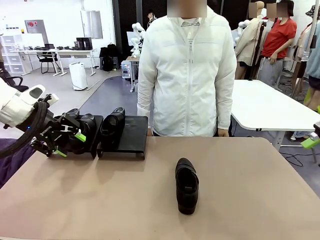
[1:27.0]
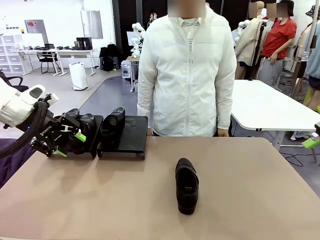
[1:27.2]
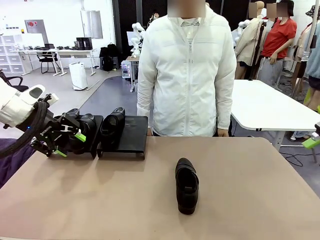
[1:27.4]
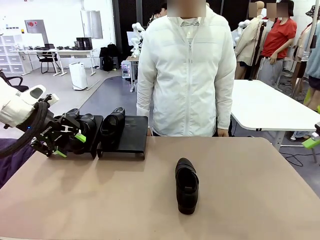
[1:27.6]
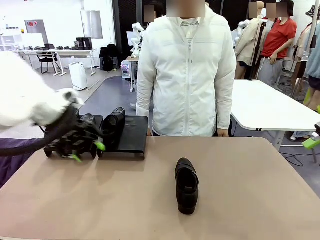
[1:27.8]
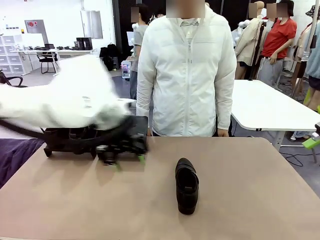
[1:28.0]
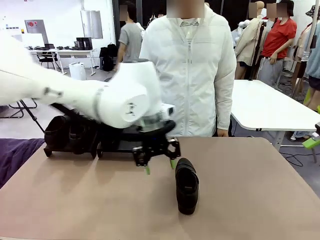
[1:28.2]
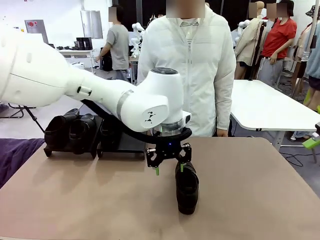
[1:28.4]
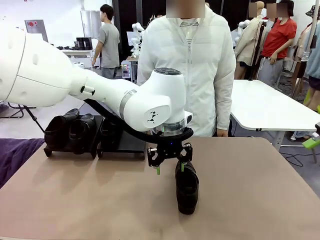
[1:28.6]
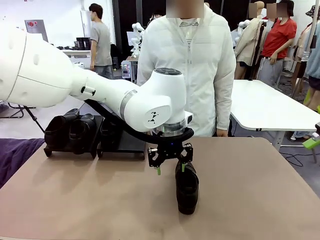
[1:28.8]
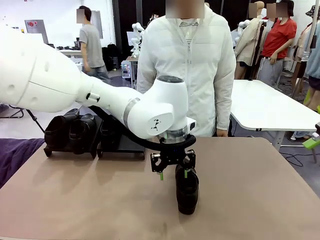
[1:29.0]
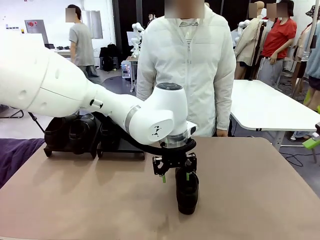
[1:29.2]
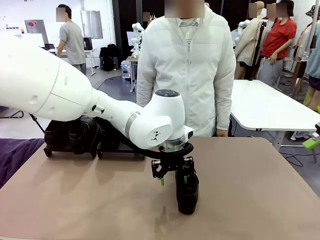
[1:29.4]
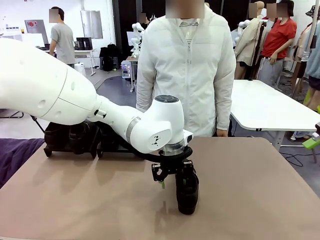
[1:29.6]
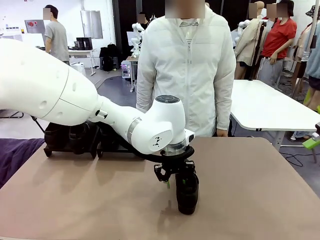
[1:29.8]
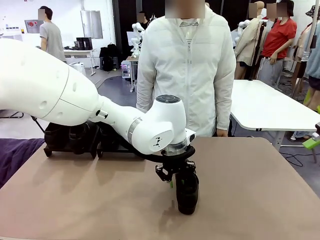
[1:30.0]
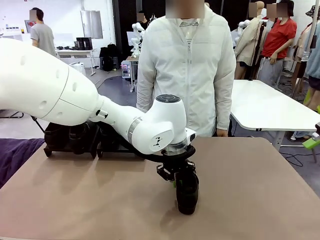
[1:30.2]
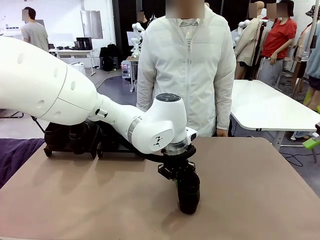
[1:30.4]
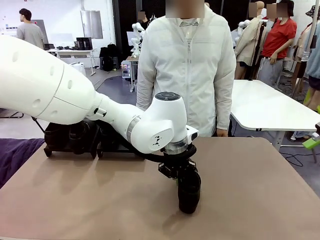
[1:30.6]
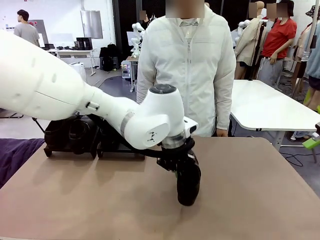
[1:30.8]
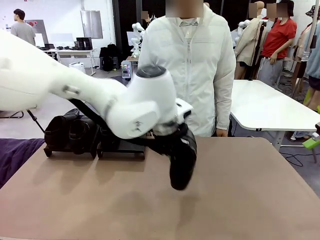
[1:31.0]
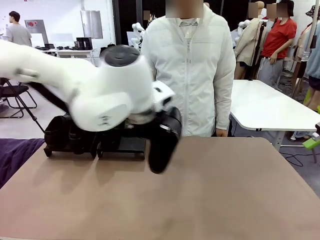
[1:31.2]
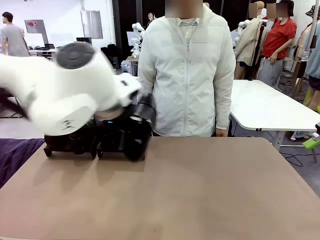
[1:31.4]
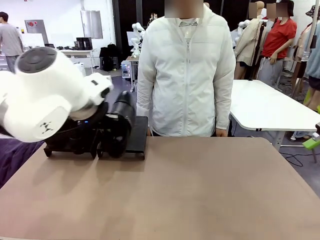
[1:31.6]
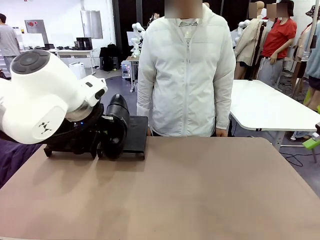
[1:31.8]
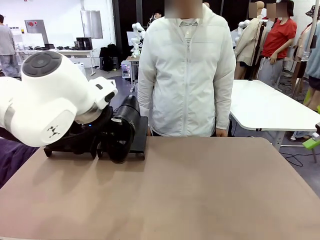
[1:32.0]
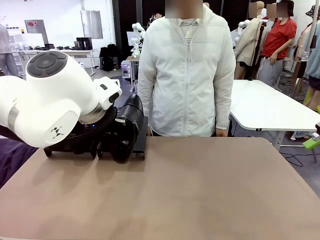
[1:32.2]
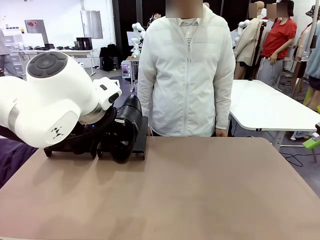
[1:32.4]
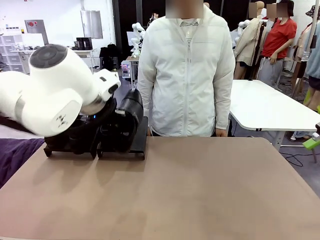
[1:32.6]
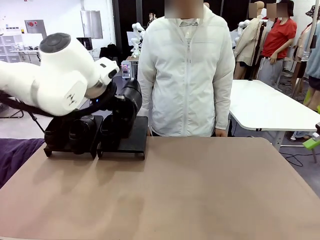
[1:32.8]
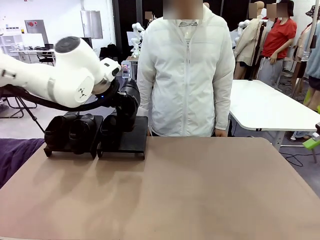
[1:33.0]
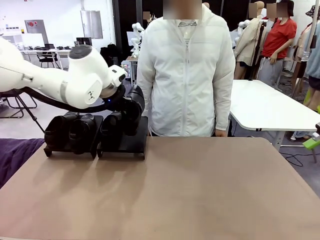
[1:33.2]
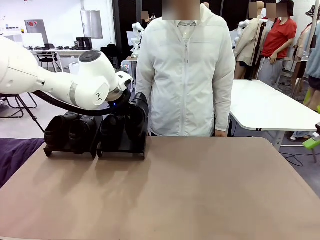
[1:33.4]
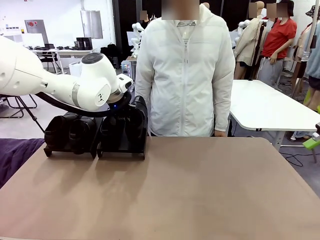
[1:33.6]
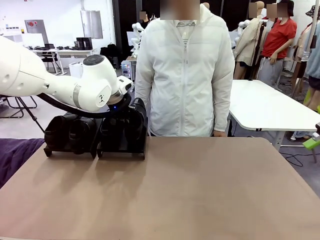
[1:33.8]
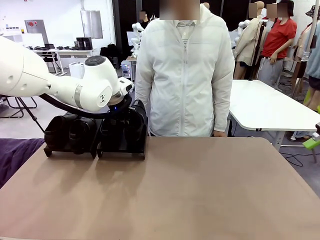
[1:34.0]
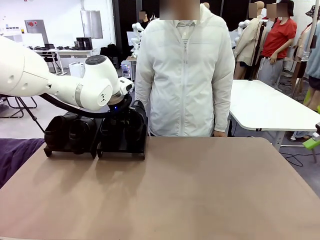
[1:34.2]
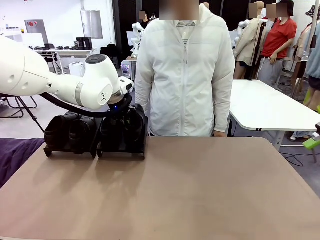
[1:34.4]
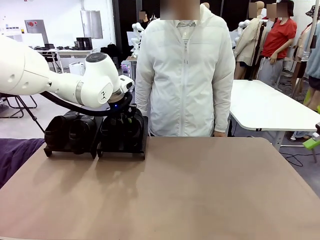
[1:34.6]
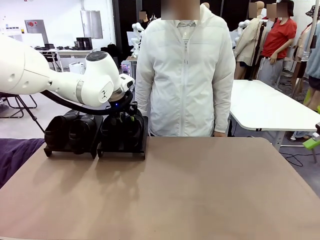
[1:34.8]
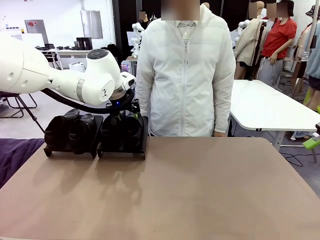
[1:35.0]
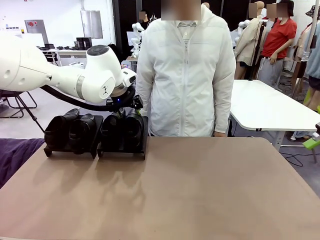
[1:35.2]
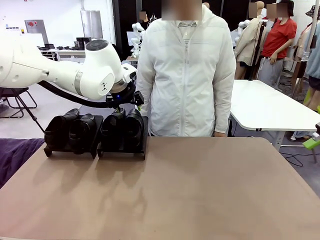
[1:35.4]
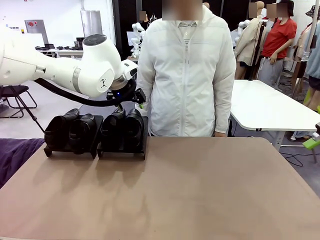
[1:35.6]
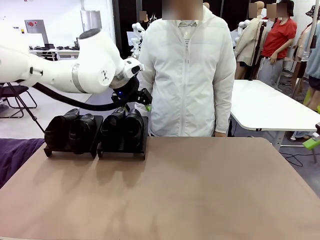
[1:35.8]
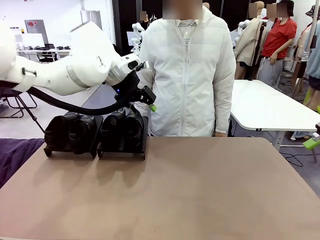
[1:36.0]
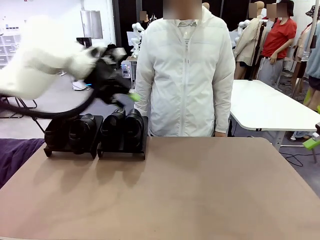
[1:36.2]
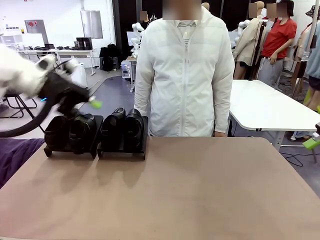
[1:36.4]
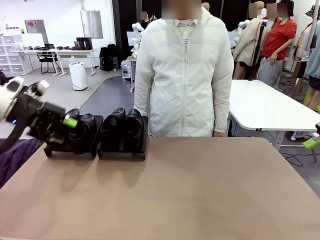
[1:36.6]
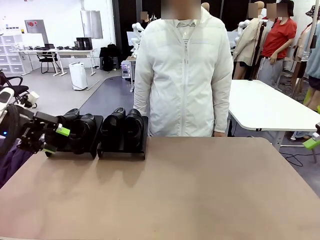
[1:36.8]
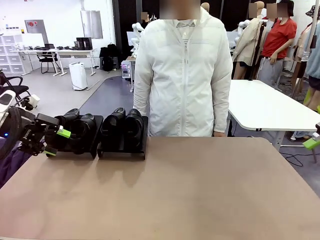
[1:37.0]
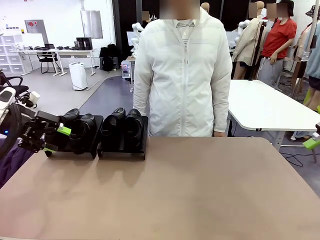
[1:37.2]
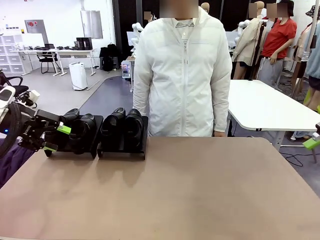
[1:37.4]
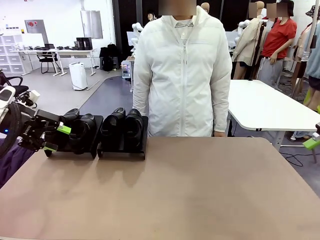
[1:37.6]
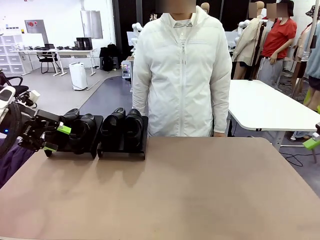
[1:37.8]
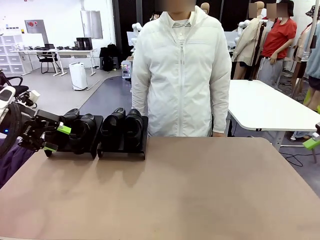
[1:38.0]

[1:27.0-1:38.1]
Task: Organize the shoes by placing them on the stand.
Robot: Place the Shoe from the middle of the table onto the Shoes Stand.
